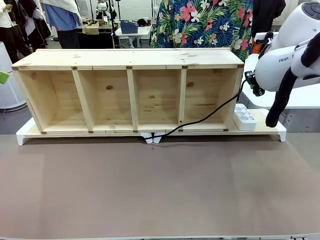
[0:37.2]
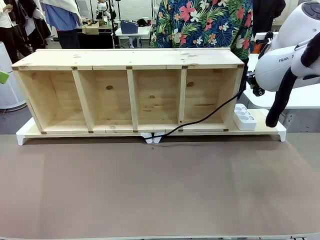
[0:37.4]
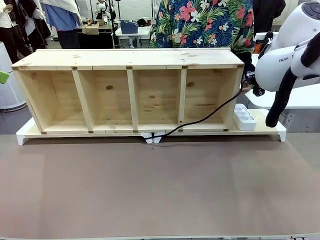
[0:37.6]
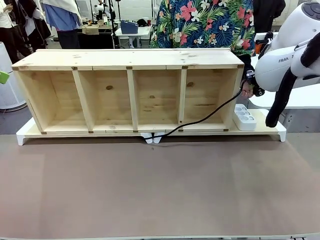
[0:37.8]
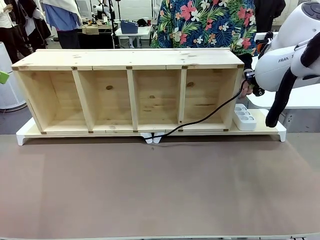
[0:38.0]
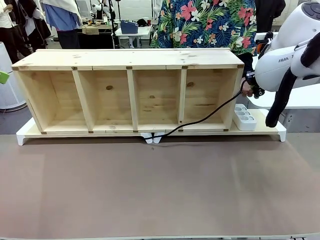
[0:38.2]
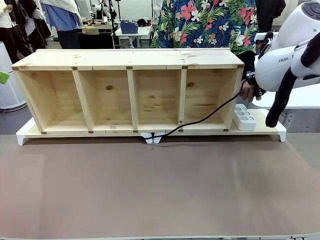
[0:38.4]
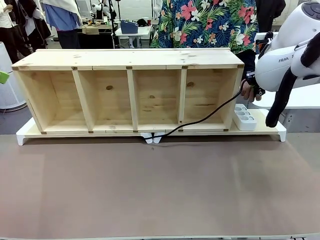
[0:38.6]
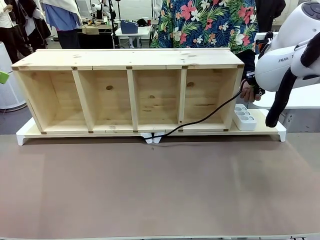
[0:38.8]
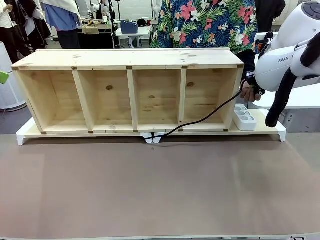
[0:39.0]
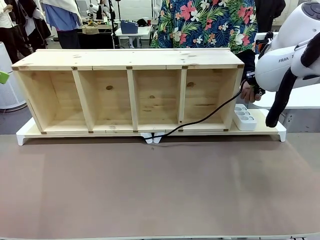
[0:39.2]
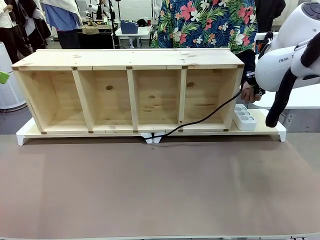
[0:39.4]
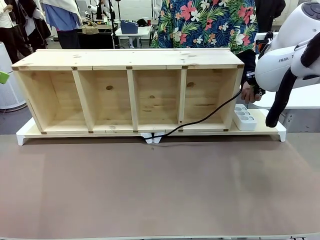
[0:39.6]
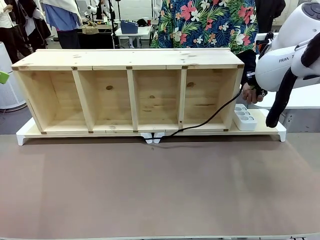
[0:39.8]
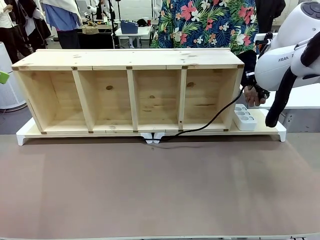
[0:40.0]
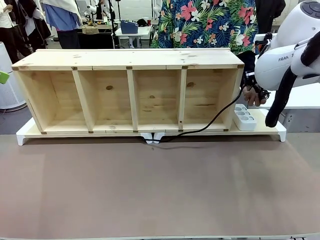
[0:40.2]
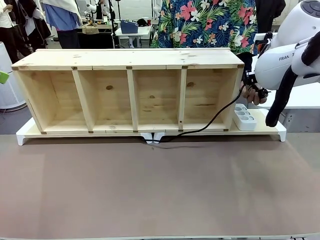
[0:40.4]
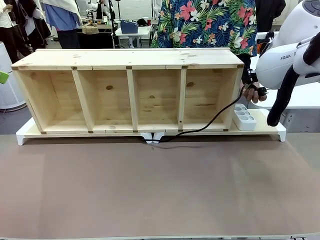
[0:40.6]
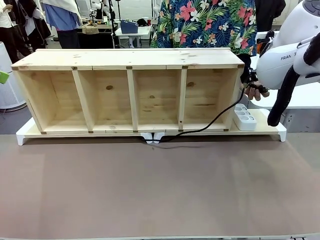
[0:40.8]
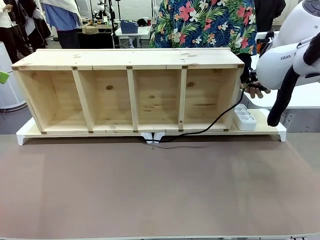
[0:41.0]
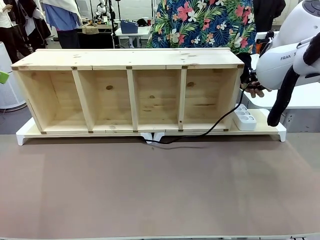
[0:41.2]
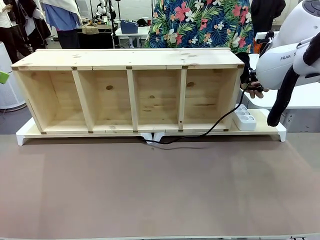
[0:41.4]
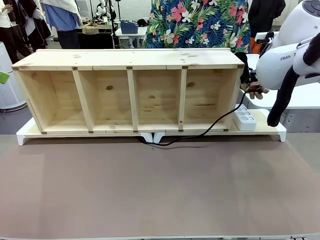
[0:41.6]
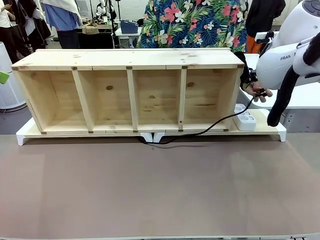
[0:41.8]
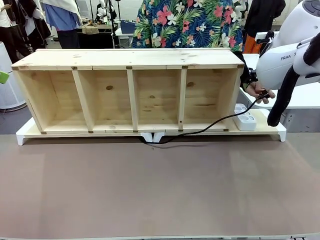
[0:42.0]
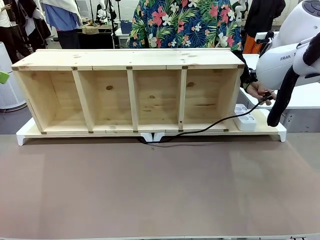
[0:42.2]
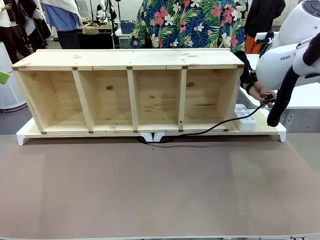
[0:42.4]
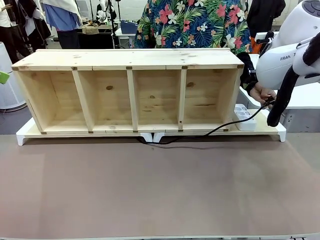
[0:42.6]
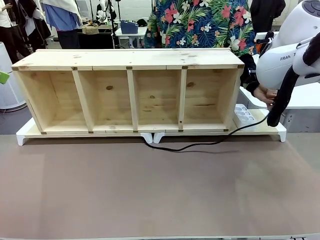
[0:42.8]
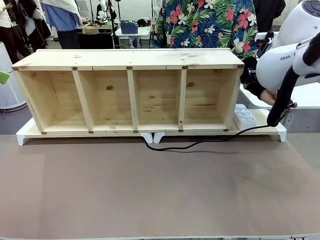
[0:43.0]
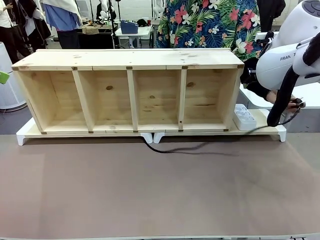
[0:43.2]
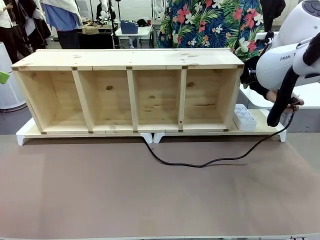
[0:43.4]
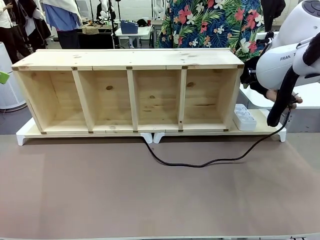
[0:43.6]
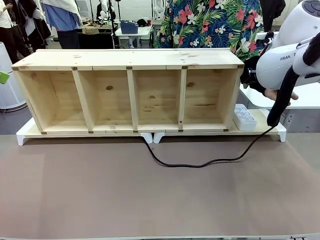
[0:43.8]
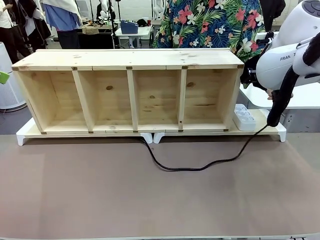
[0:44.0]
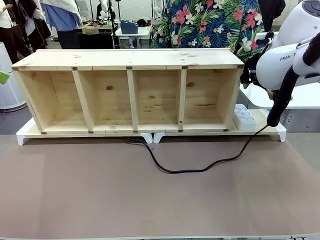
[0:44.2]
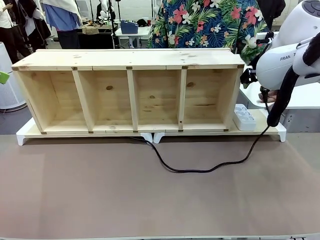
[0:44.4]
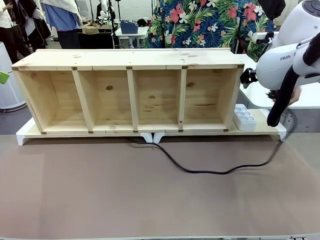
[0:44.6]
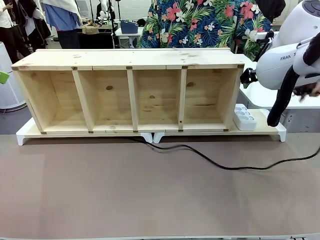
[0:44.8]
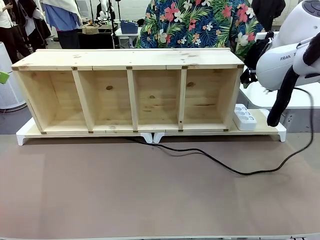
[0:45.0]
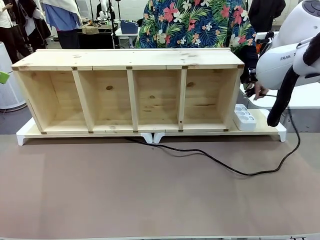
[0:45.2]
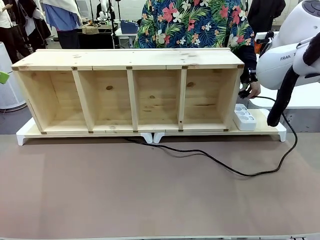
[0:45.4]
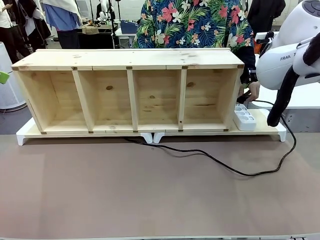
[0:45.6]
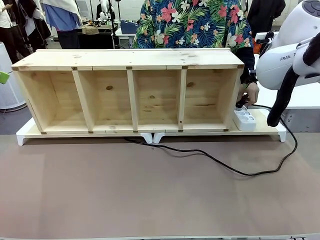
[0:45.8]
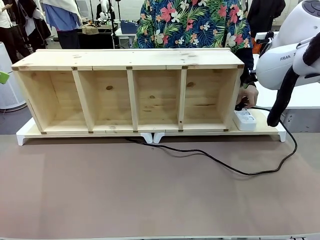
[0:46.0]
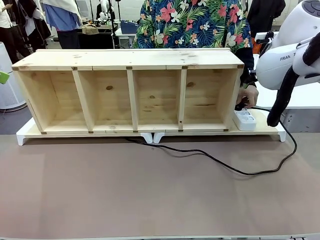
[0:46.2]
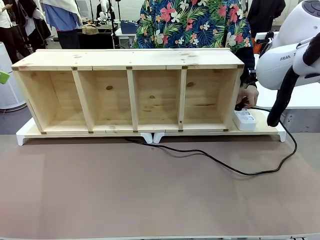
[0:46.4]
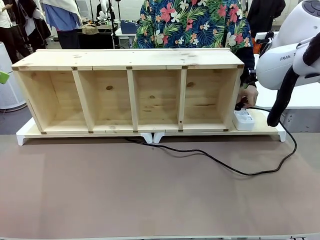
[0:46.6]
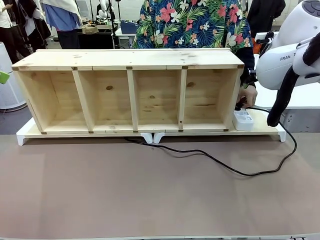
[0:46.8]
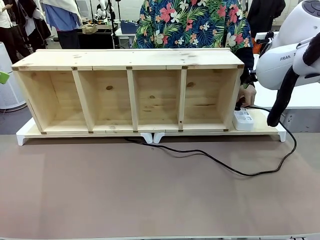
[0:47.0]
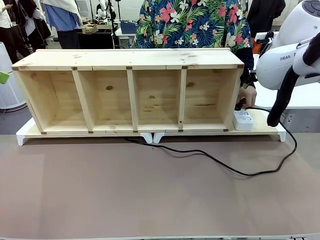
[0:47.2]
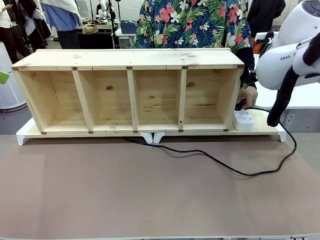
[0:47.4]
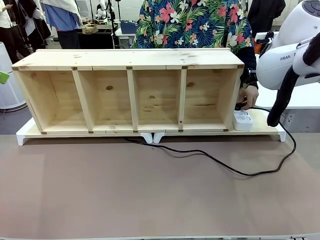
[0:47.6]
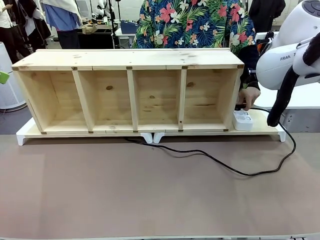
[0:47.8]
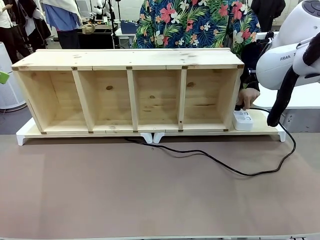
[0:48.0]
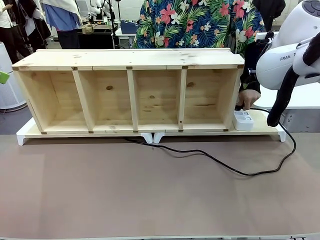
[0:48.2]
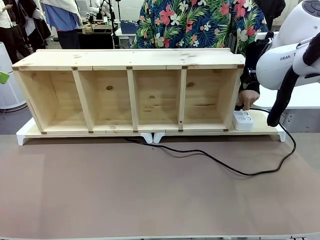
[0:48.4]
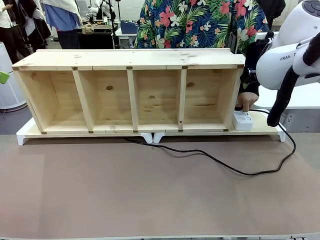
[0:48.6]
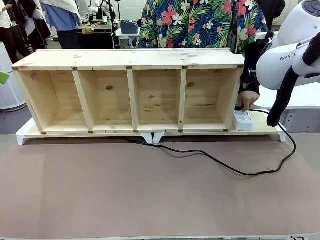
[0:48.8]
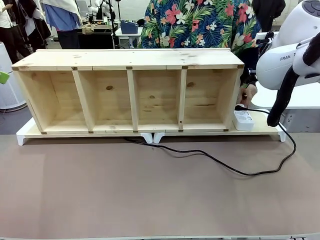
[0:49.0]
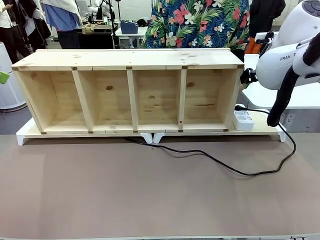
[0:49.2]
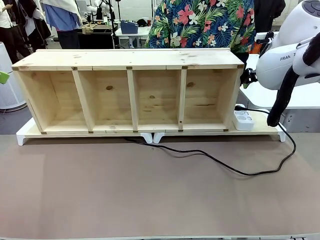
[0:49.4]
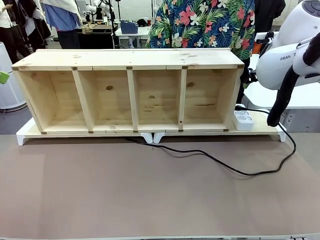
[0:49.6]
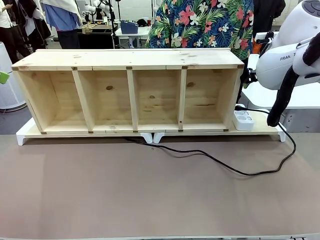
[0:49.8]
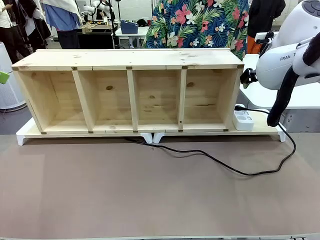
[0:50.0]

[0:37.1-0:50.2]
Task: Perform cable management.
Robot: Release the Power Cable when the human grasps it.
Person: Plug the Power Cable into the Power Strip.

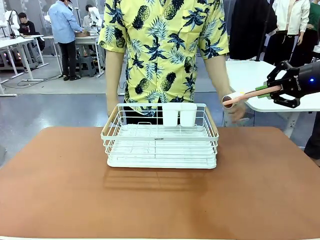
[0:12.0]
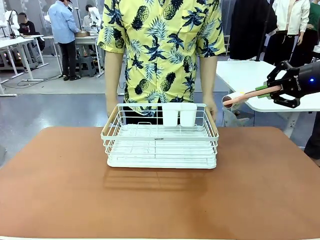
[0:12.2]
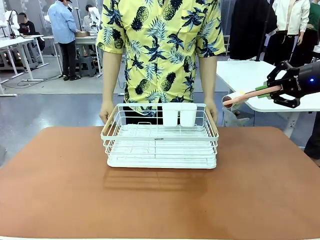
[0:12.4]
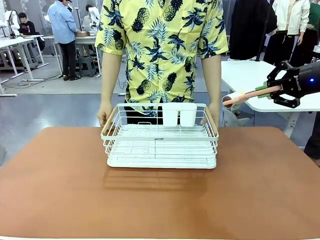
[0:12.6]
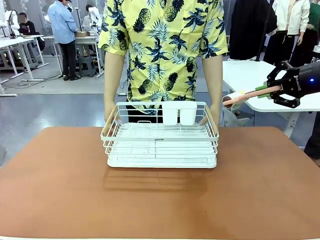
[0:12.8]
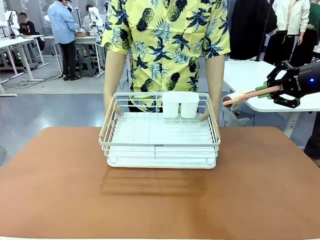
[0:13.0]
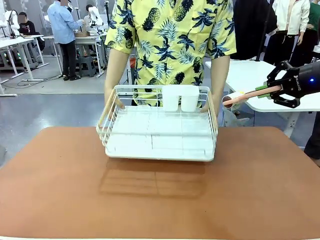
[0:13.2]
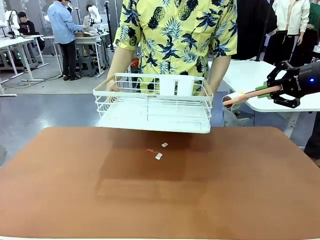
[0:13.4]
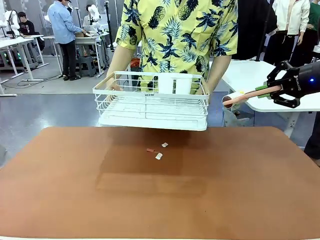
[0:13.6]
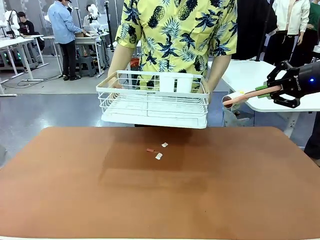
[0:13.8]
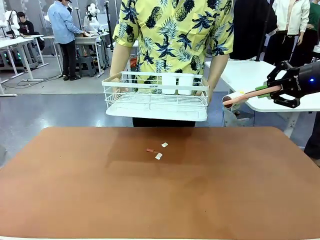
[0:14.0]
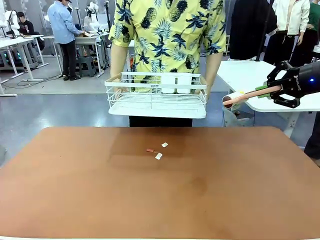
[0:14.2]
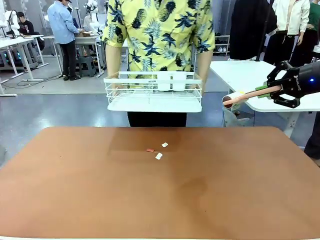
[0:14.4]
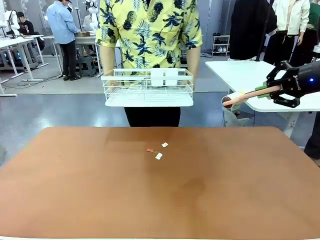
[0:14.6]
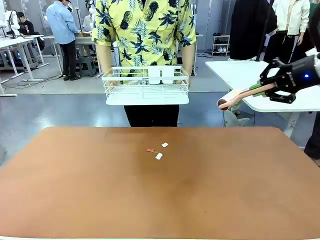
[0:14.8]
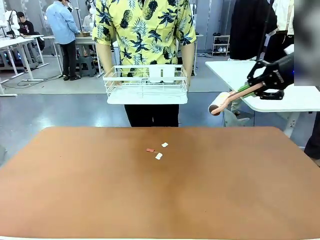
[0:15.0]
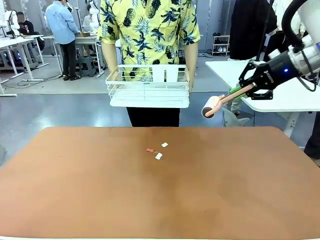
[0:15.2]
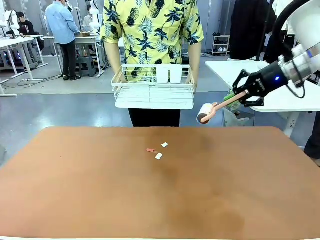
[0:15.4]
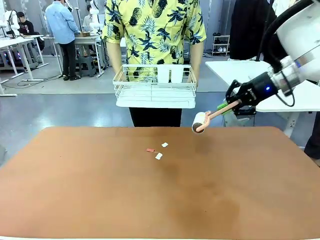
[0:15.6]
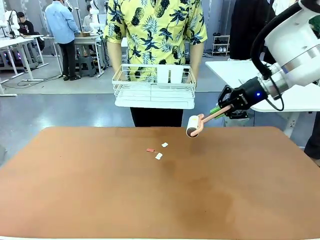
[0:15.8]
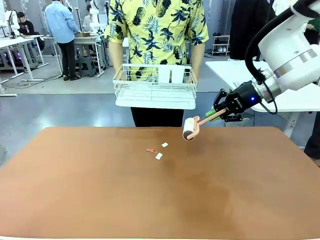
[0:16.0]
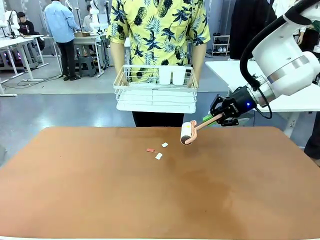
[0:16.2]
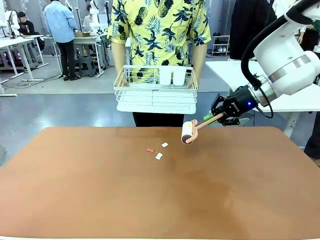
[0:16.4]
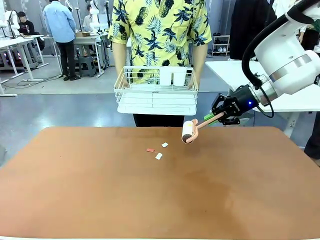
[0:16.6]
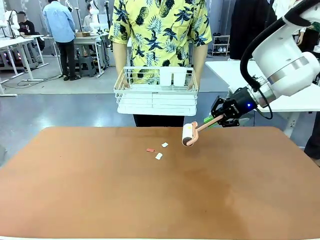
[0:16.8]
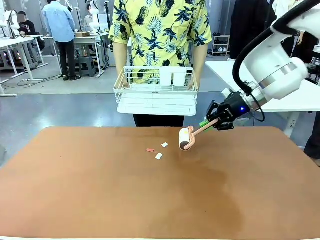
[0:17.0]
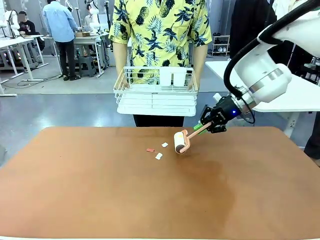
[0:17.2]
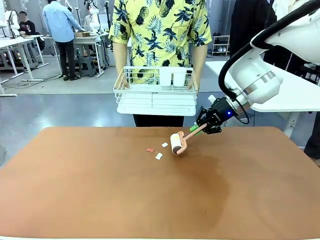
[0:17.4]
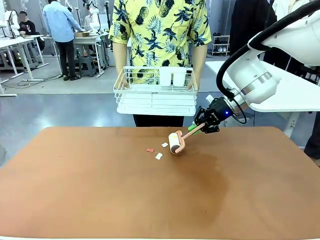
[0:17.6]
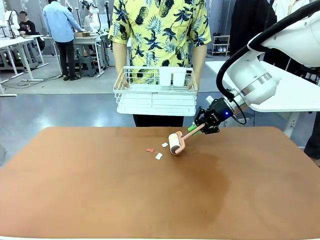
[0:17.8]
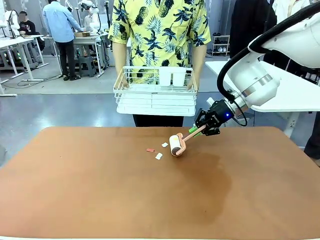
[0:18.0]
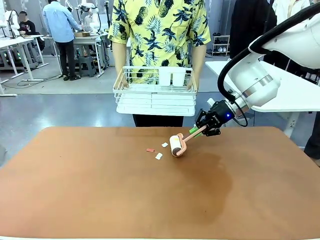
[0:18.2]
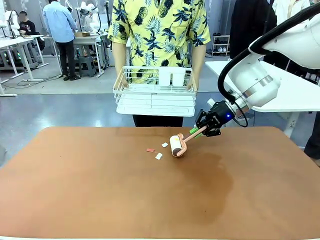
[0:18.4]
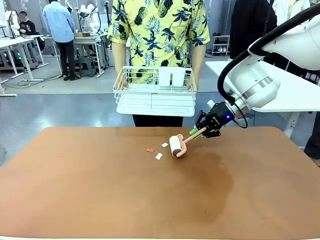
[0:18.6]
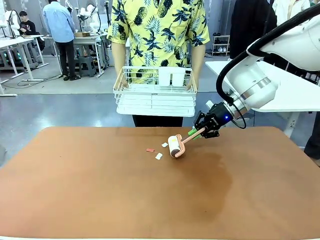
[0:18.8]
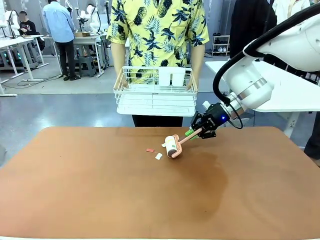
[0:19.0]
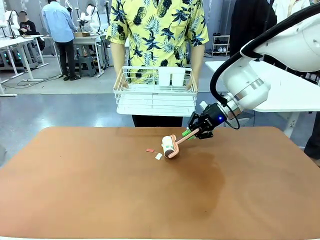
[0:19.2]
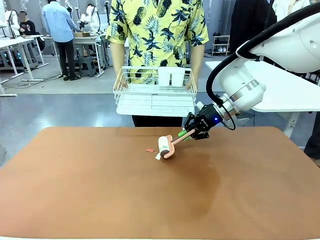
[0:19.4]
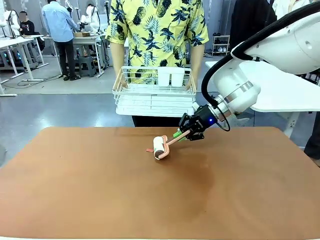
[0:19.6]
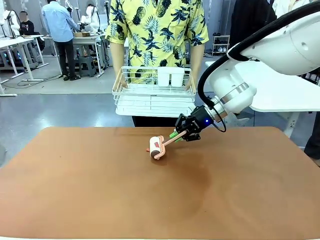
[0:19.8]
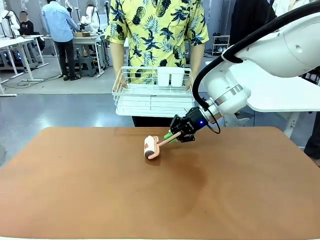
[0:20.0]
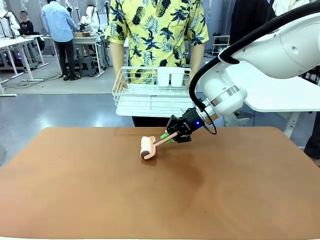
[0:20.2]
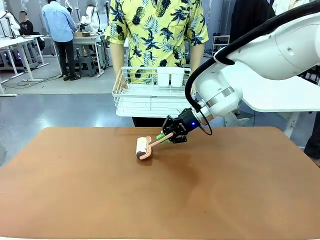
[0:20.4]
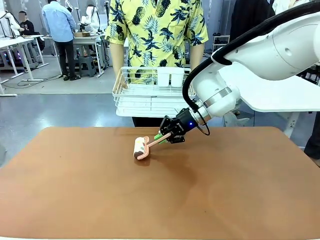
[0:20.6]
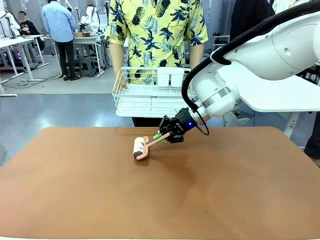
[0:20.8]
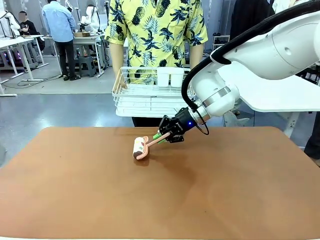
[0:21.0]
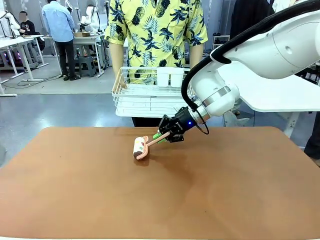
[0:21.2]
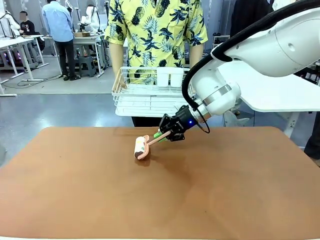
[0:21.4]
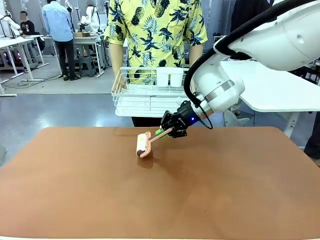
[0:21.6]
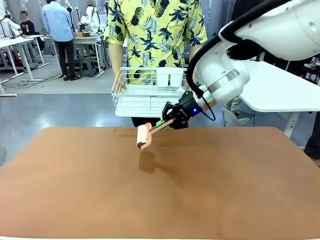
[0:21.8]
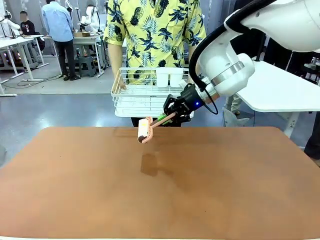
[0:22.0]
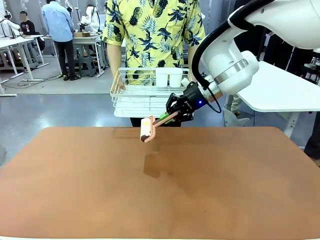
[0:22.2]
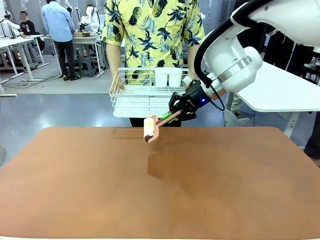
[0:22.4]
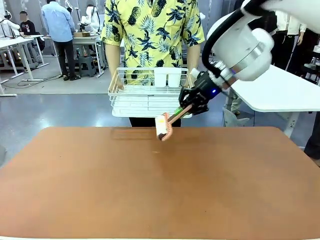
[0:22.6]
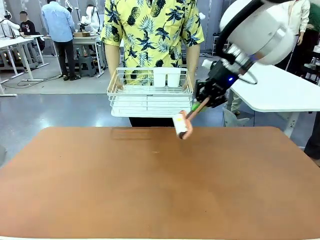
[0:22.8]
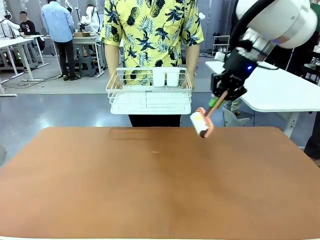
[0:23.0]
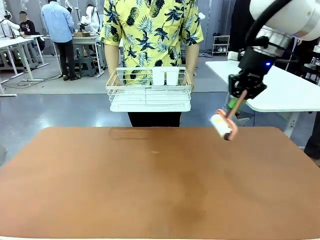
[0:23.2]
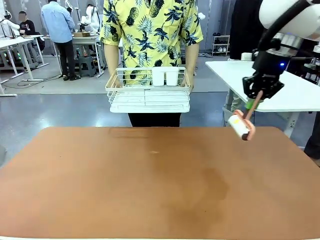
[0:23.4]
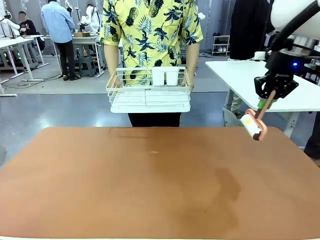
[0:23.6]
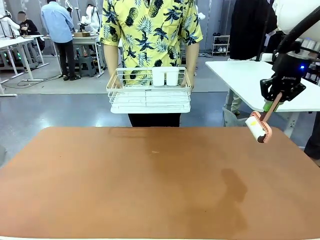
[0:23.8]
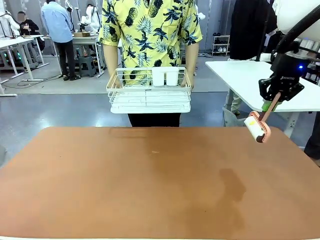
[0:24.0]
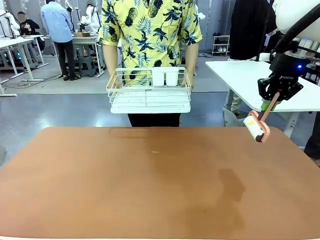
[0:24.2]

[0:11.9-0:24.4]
Task: Clean the table.
Robot: Clean the table with the Lint Roller when the human lifts the Dish drying rack.
Person: Place the Dish drying rack down when the robot finishes cleaning.
